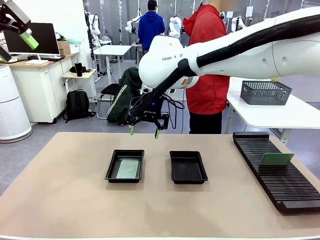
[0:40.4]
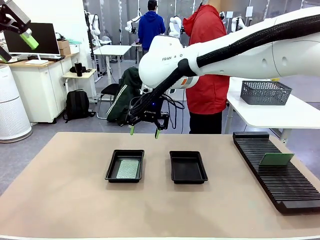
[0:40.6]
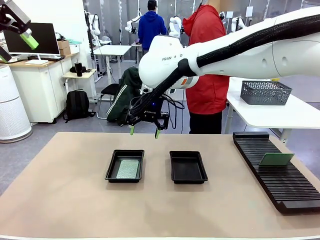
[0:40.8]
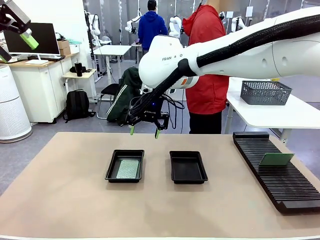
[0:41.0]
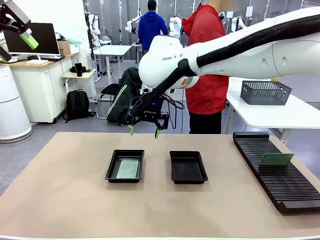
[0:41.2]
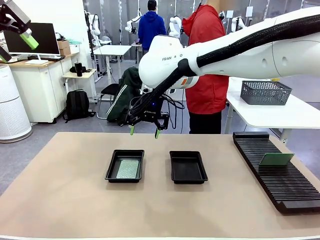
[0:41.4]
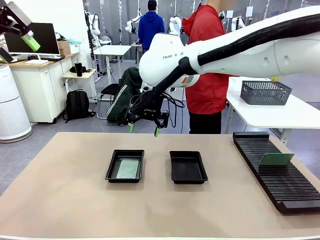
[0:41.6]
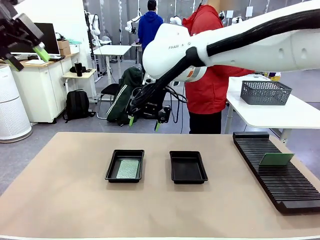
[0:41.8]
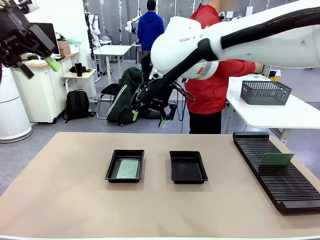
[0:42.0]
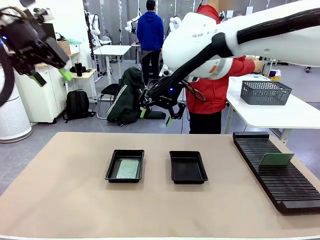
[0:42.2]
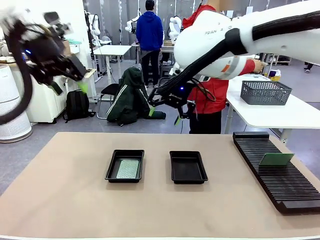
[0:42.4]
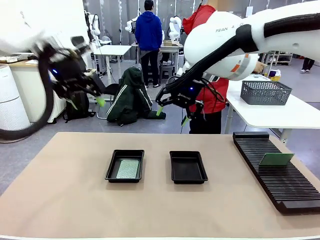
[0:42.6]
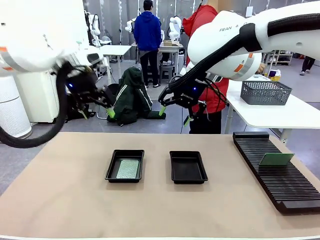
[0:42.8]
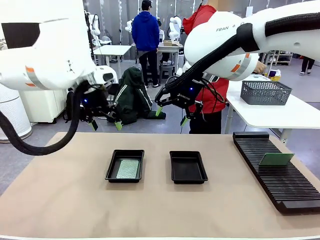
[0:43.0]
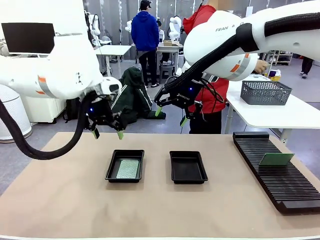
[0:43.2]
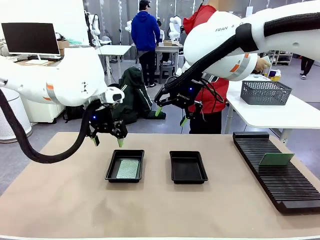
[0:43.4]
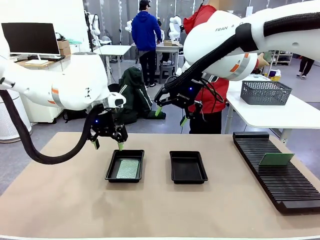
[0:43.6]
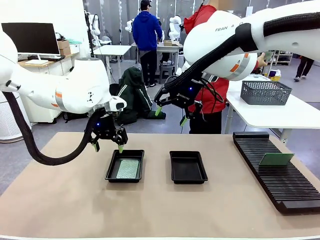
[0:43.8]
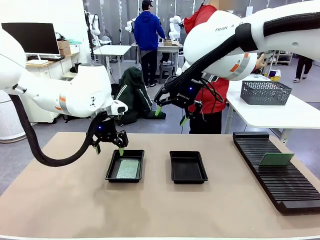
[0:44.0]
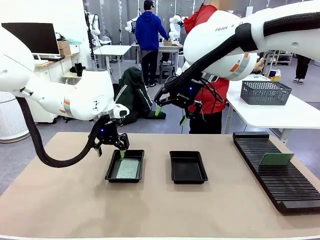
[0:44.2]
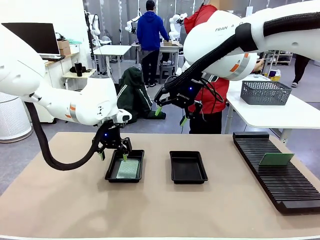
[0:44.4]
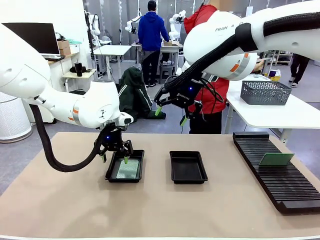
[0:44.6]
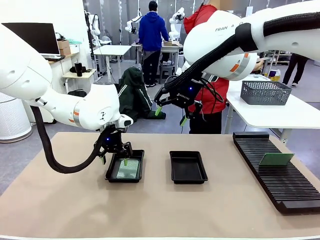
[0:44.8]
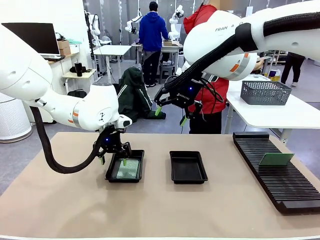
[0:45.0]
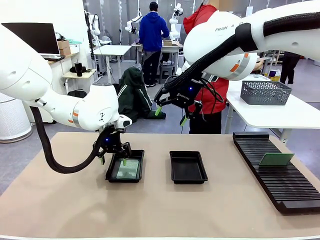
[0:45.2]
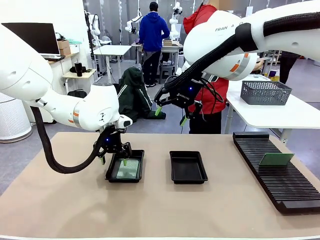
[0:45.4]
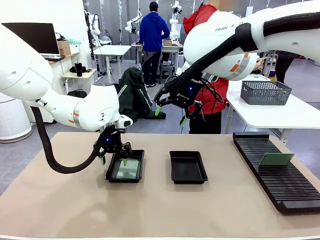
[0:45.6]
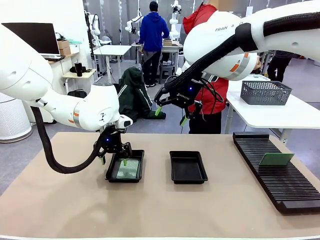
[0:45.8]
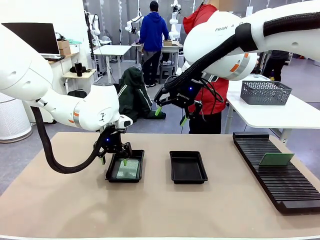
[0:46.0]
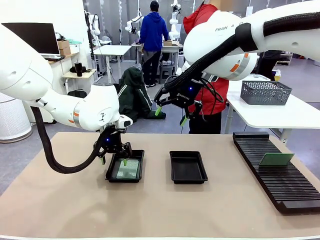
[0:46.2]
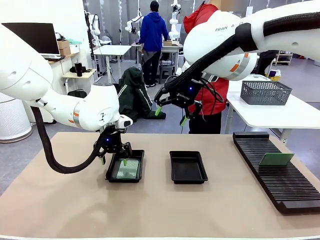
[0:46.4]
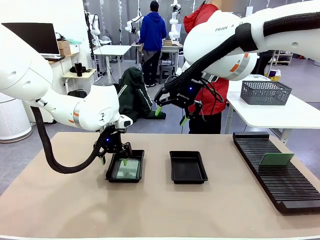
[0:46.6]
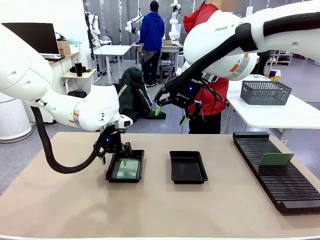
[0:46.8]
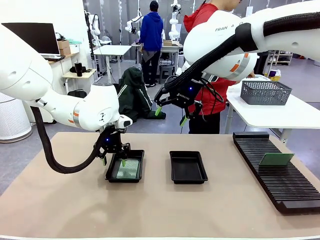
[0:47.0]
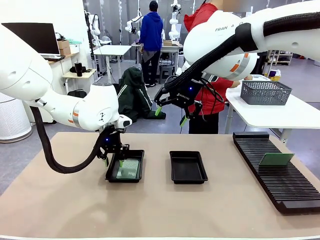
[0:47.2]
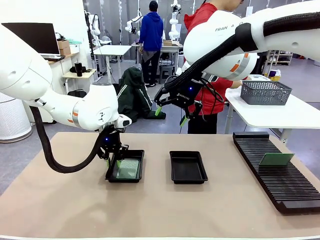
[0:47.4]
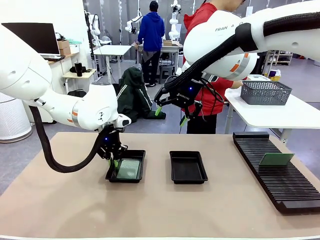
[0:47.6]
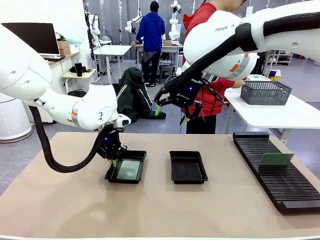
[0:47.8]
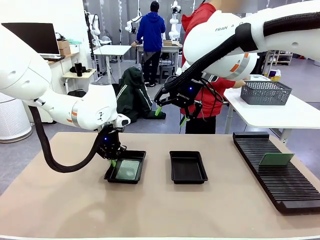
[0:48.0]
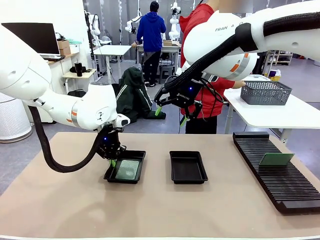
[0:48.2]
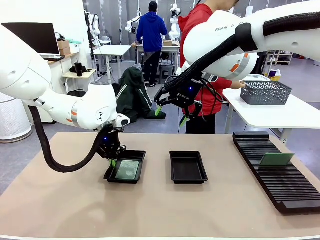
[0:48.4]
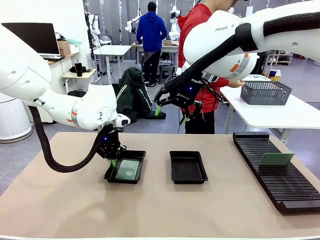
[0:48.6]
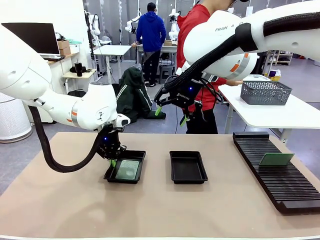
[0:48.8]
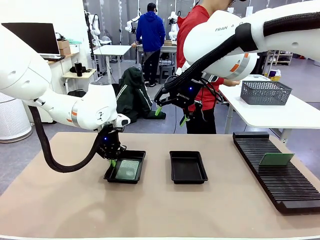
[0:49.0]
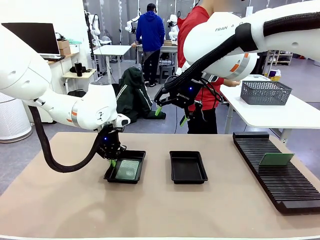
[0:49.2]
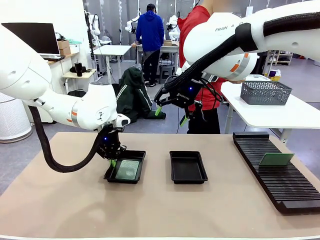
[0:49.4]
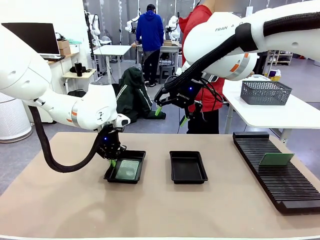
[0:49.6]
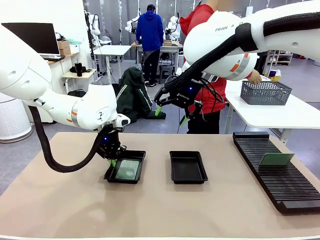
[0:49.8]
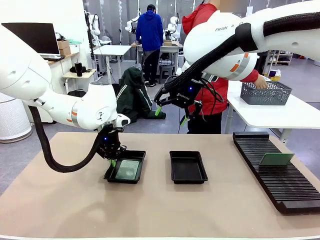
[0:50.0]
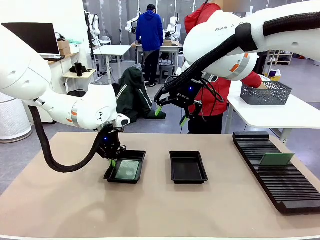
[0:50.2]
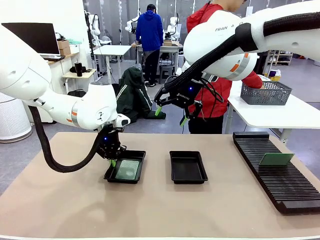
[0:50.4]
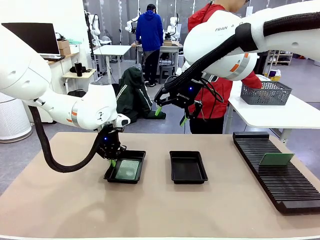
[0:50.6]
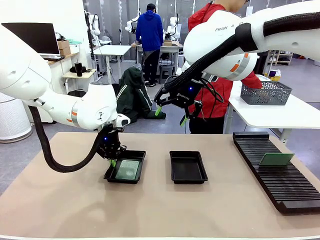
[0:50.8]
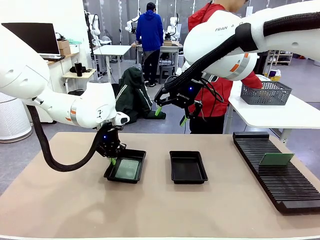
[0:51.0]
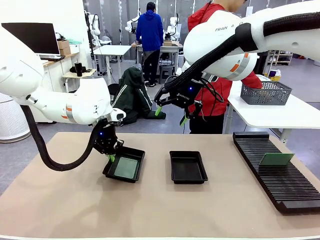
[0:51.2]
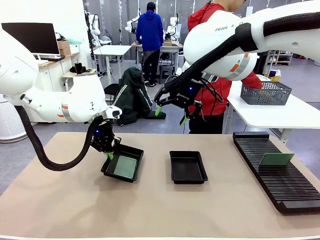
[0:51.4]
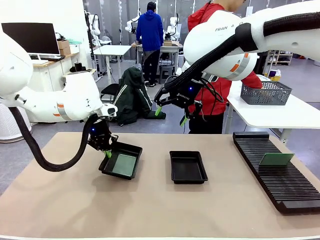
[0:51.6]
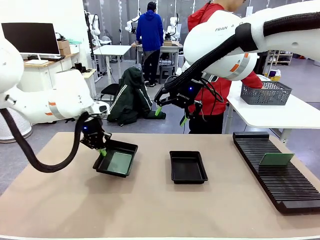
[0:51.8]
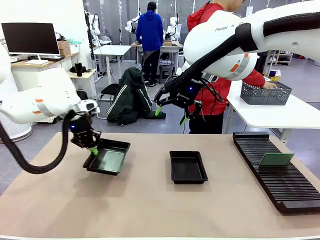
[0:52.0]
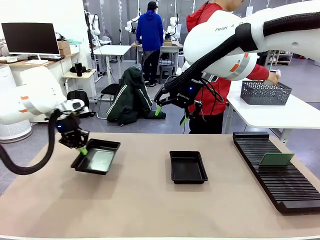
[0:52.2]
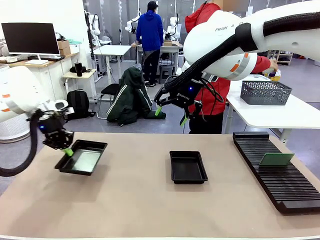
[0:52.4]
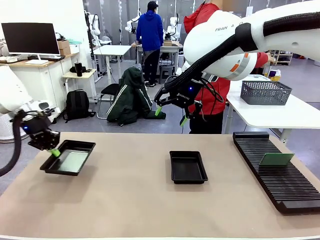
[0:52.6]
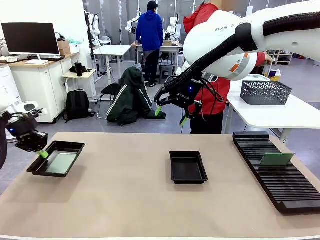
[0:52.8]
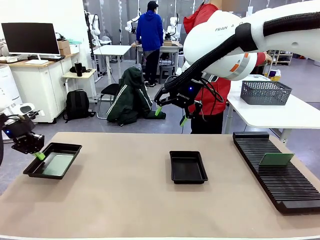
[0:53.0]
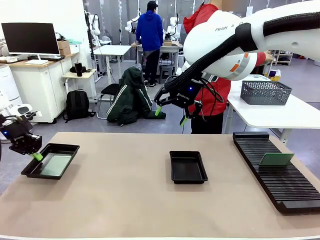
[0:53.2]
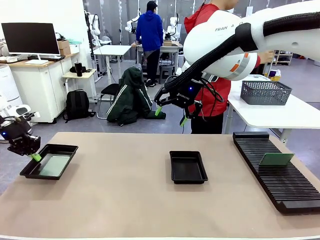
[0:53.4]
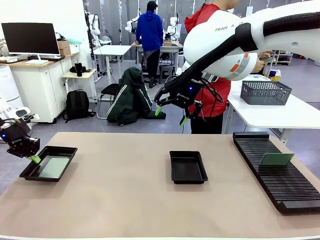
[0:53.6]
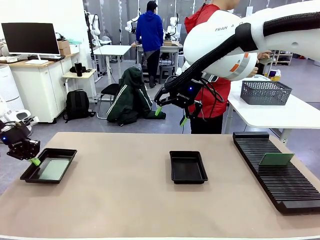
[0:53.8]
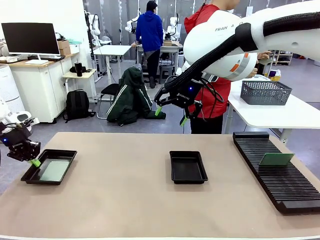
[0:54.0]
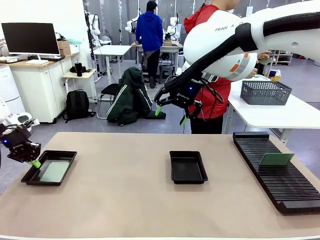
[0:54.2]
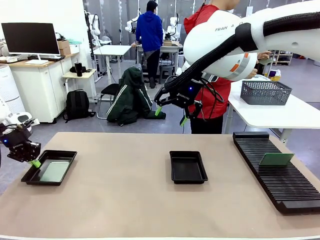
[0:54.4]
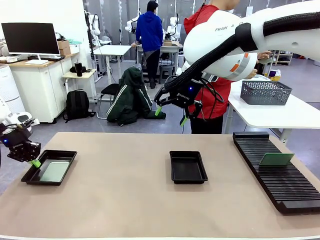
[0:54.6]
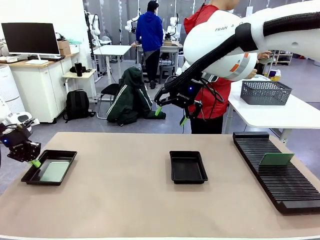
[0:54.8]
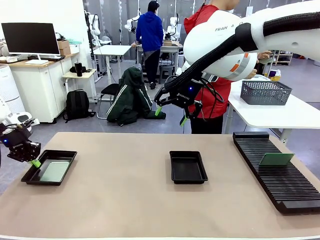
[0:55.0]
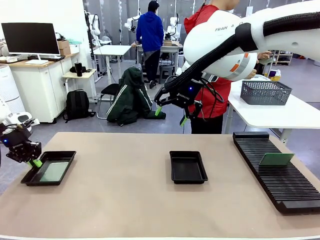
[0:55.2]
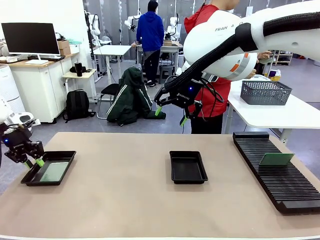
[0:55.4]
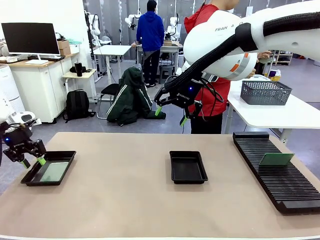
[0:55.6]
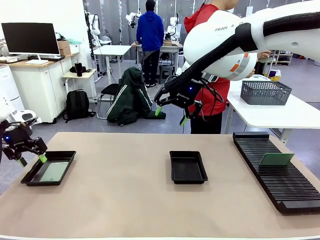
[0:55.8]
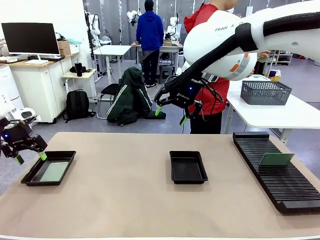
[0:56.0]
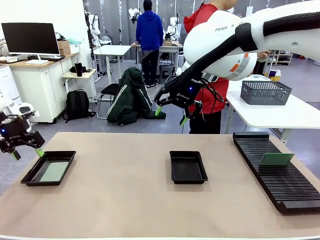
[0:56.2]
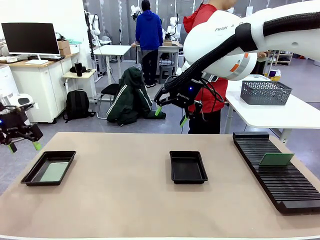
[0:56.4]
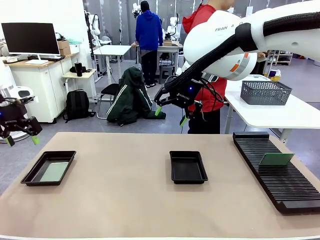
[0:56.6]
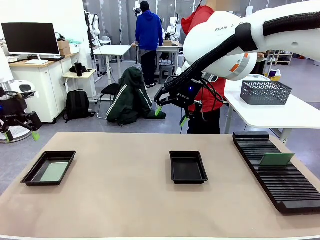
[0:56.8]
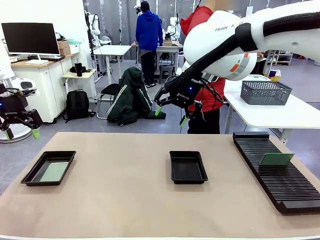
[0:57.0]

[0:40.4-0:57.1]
Task: Inspect and transfer BCBs to ESD trays.
Robot: Pick up the ESD tray and place it on the left side of the table.

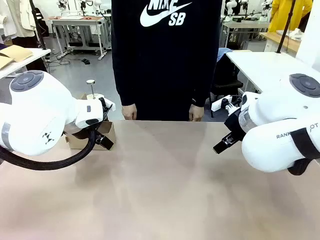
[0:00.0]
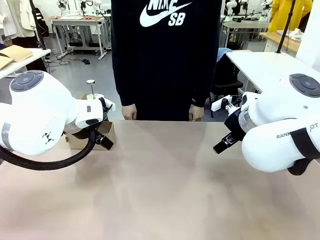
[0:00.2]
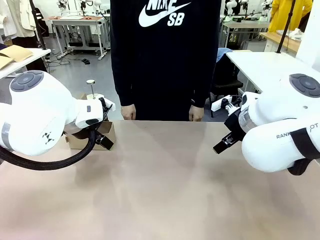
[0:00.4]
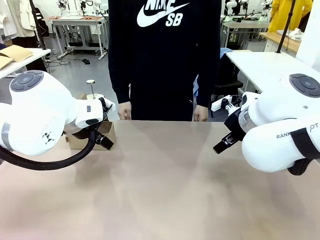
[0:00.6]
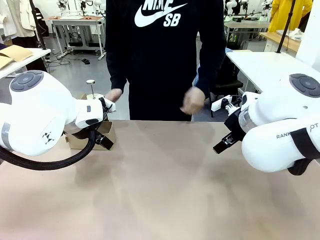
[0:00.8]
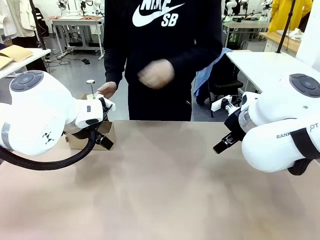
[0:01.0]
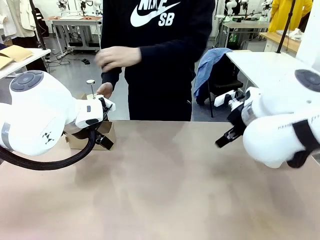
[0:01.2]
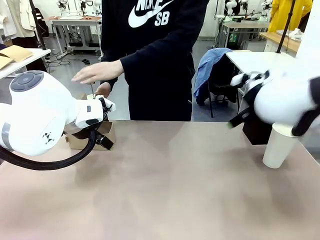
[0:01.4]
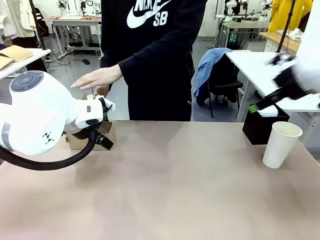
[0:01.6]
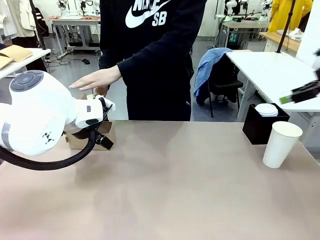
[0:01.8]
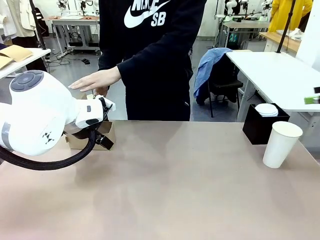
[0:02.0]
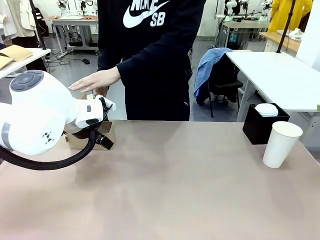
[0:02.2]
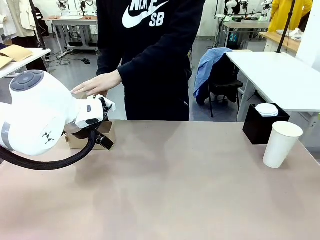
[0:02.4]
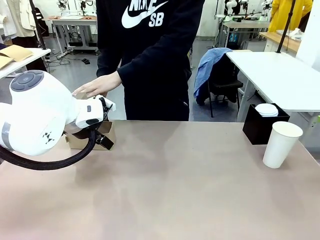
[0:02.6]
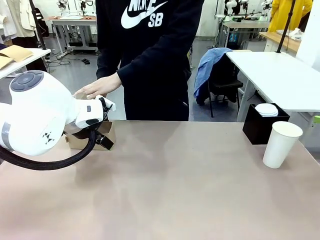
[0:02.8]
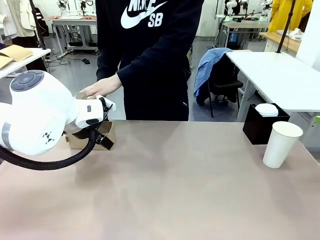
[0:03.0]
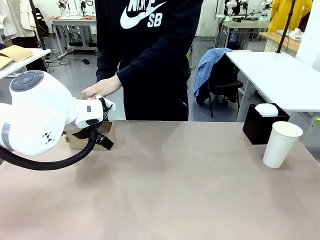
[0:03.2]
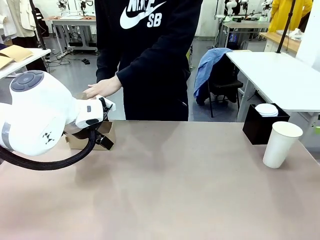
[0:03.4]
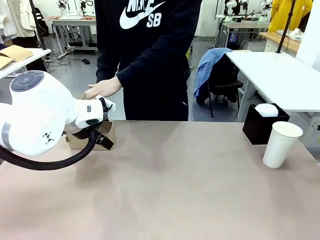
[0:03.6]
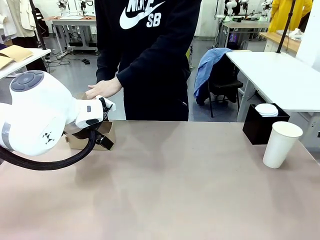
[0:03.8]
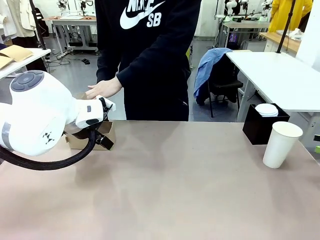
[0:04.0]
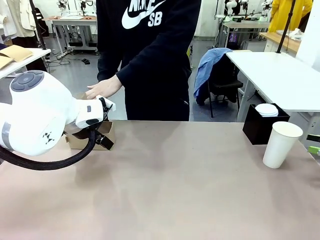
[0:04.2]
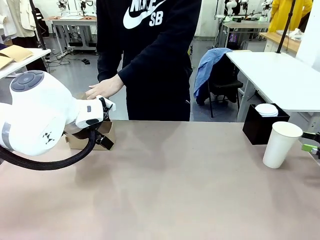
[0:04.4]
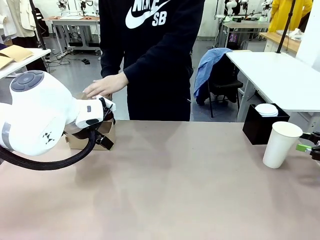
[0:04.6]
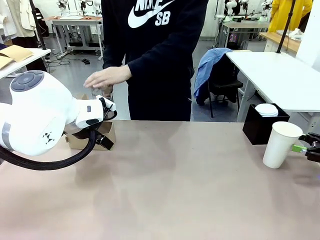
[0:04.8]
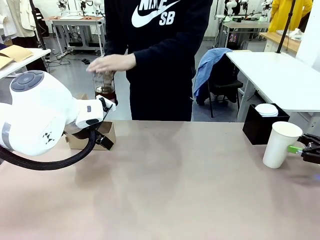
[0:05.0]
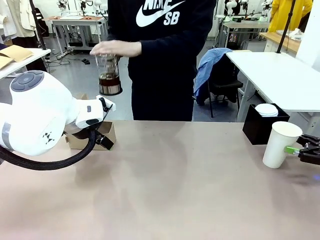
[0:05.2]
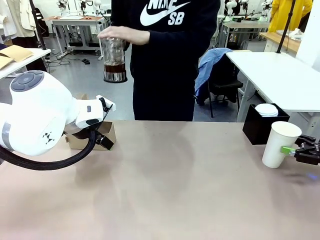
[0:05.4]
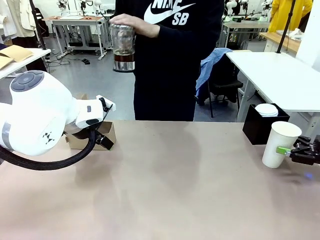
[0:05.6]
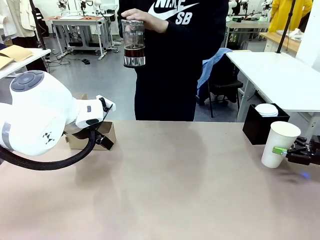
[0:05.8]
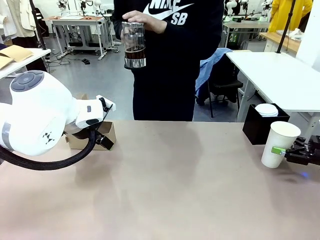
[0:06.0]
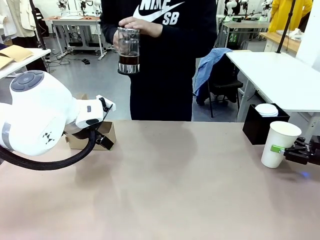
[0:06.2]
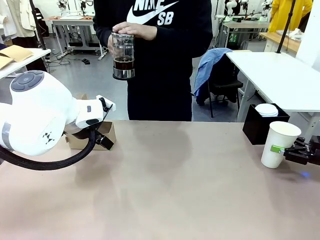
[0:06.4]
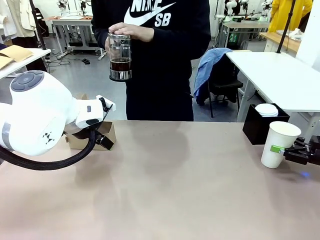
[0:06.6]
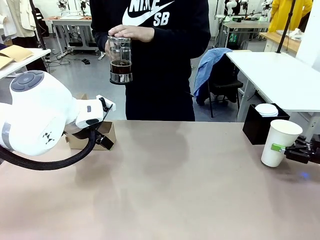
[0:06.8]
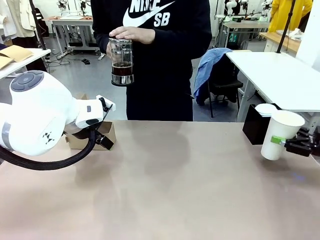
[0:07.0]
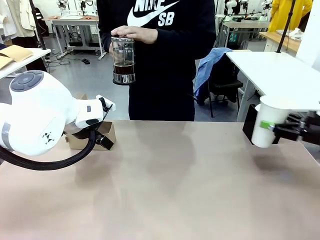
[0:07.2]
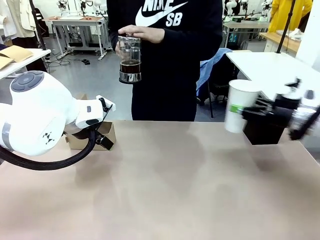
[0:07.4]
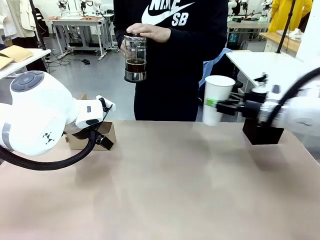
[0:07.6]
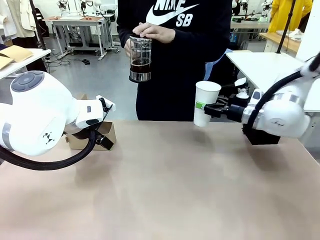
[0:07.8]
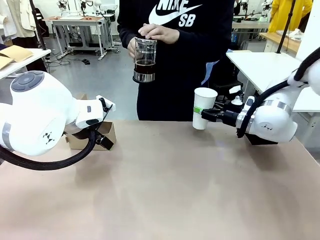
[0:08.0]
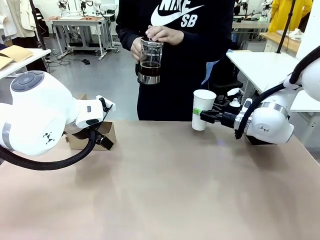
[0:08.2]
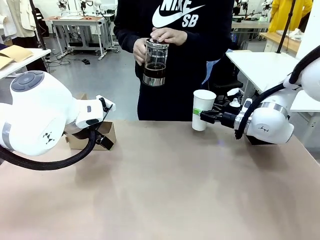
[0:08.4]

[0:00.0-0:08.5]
Task: Pour a drink into a cup and package it in a carrier.
Robot: Pick up the 600 ml Paper Cup and place it in the middle top area of the table.
Person: Press and pick up the Filter Brewing.
